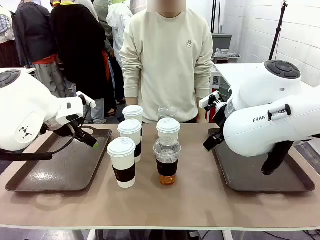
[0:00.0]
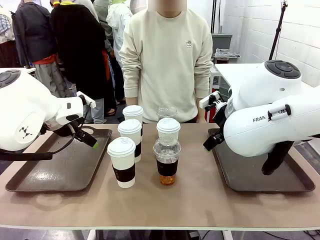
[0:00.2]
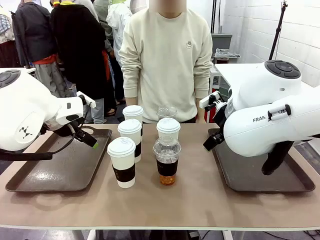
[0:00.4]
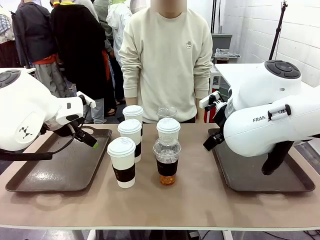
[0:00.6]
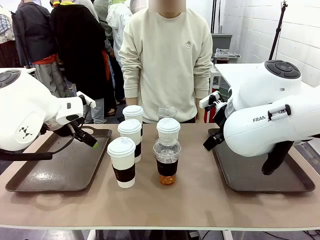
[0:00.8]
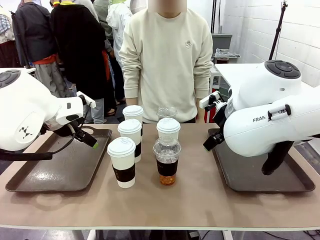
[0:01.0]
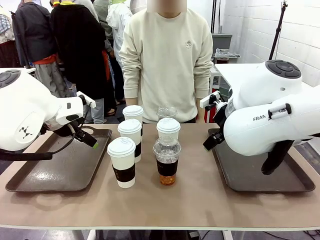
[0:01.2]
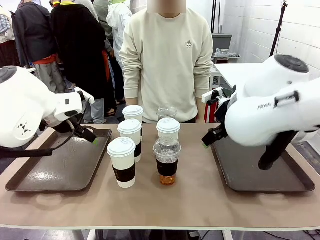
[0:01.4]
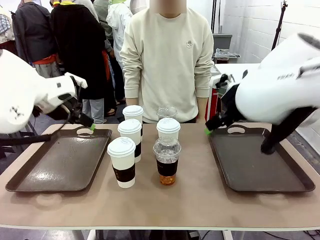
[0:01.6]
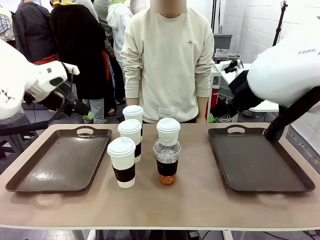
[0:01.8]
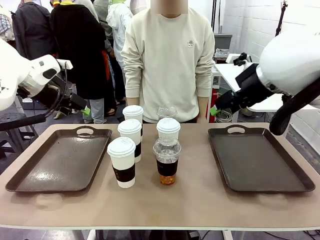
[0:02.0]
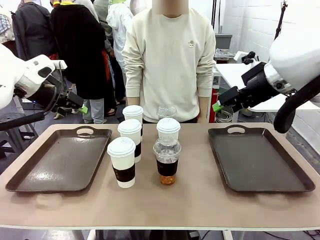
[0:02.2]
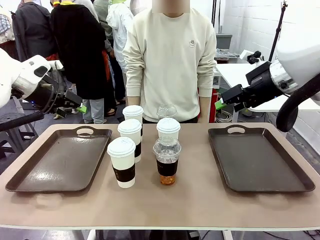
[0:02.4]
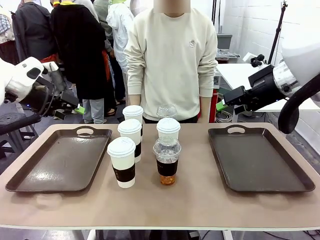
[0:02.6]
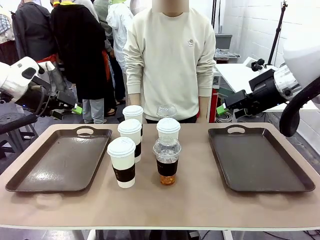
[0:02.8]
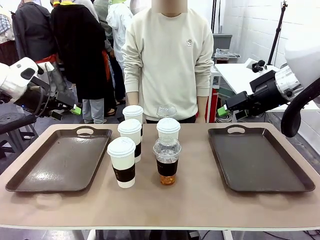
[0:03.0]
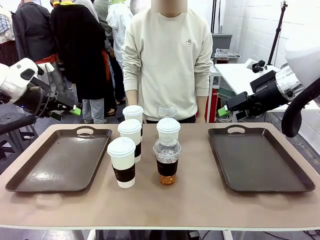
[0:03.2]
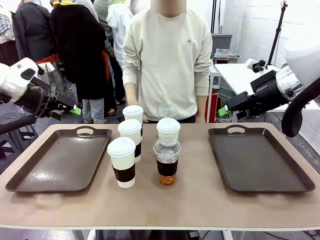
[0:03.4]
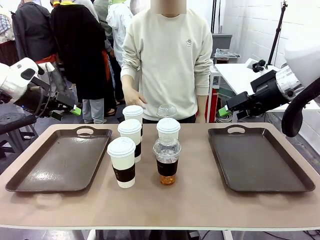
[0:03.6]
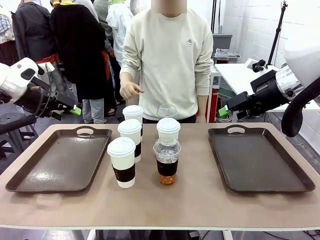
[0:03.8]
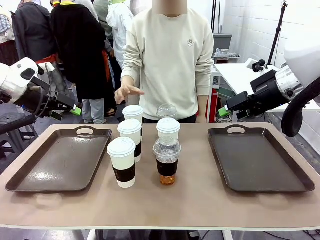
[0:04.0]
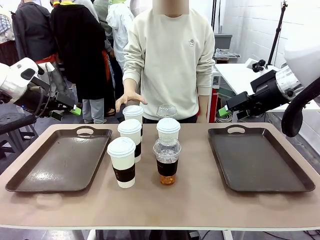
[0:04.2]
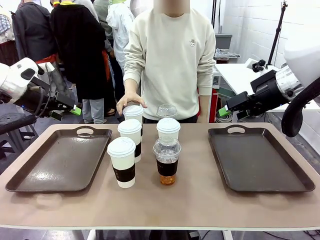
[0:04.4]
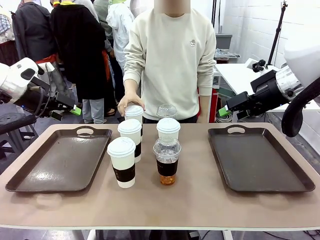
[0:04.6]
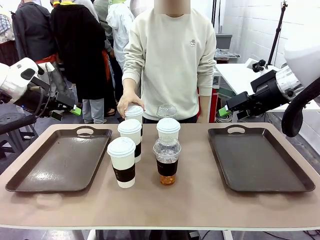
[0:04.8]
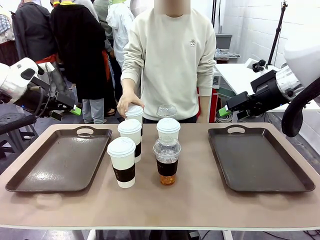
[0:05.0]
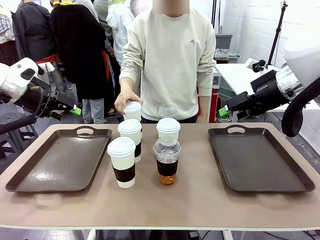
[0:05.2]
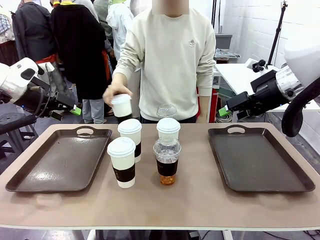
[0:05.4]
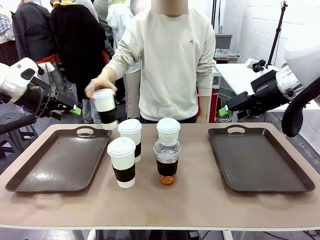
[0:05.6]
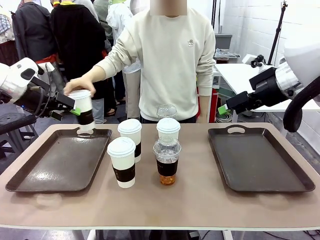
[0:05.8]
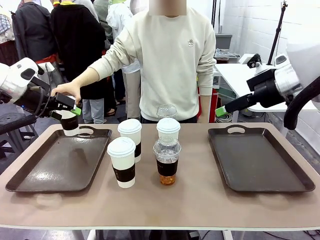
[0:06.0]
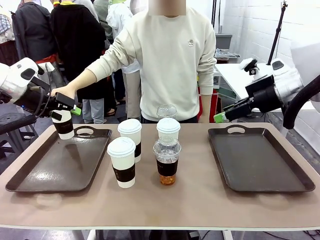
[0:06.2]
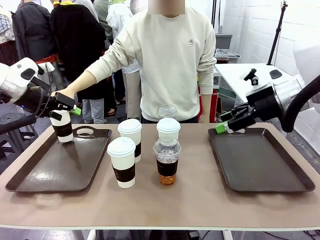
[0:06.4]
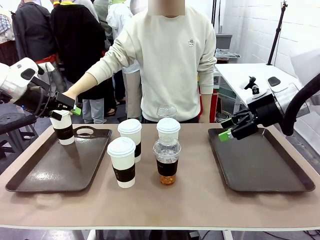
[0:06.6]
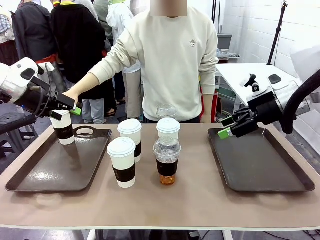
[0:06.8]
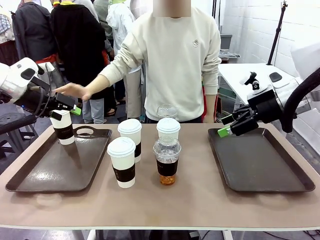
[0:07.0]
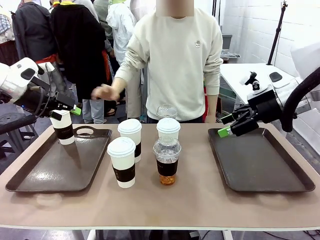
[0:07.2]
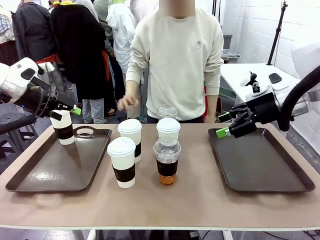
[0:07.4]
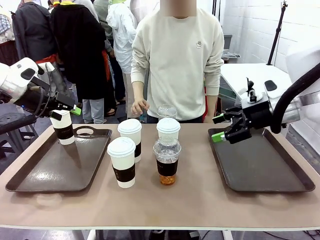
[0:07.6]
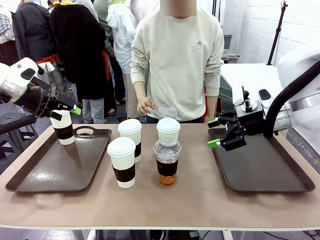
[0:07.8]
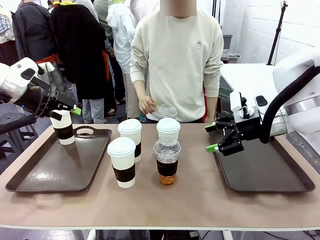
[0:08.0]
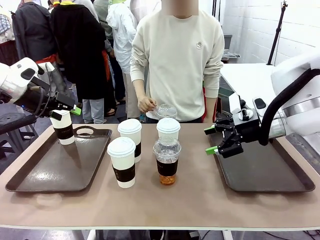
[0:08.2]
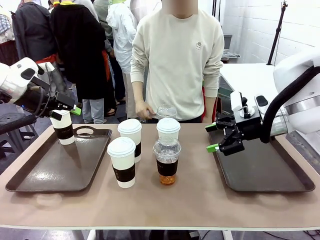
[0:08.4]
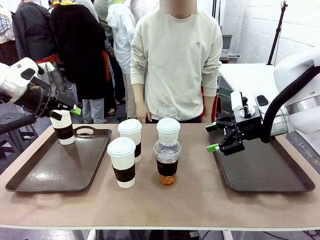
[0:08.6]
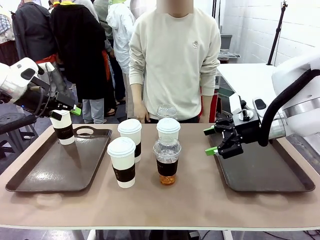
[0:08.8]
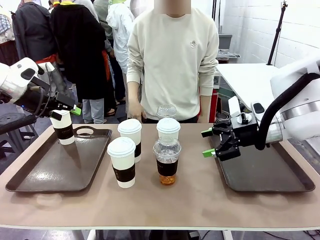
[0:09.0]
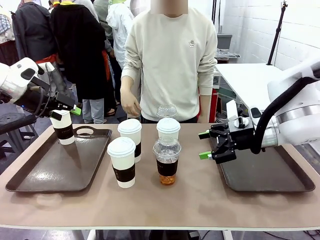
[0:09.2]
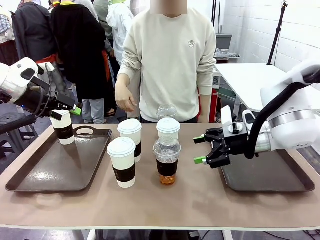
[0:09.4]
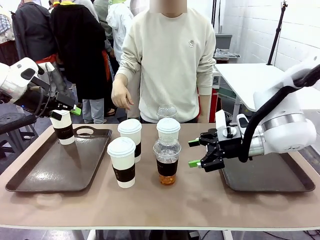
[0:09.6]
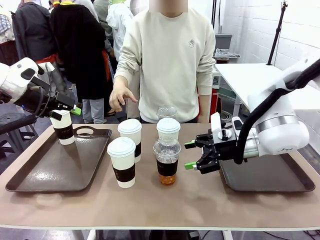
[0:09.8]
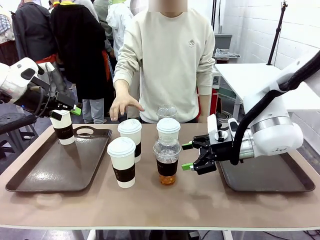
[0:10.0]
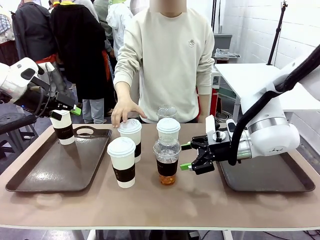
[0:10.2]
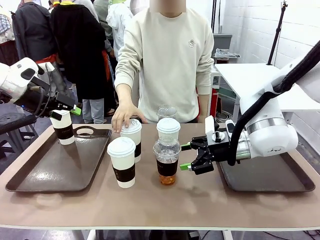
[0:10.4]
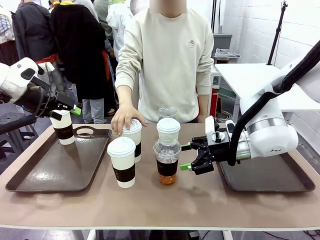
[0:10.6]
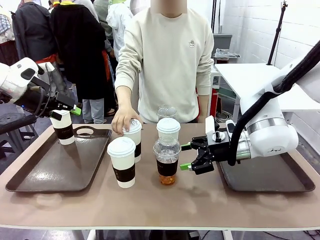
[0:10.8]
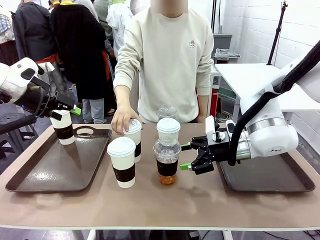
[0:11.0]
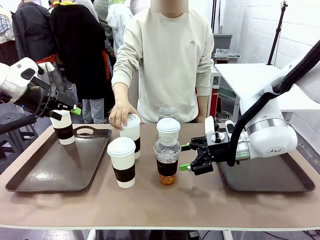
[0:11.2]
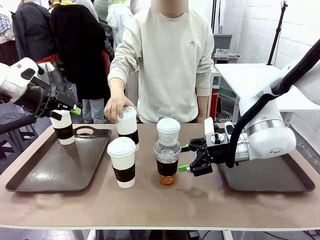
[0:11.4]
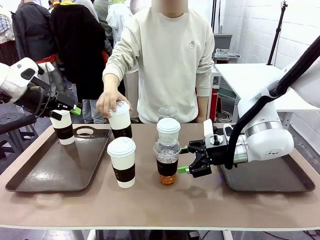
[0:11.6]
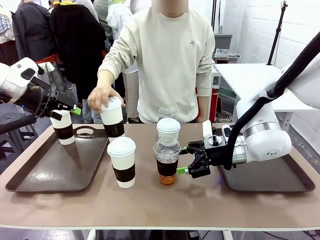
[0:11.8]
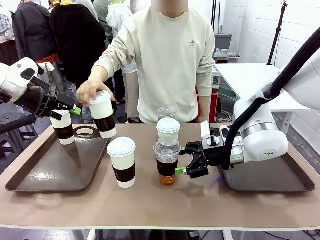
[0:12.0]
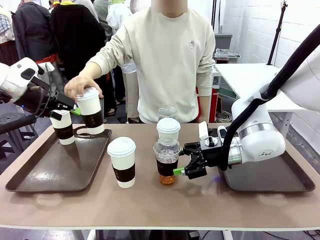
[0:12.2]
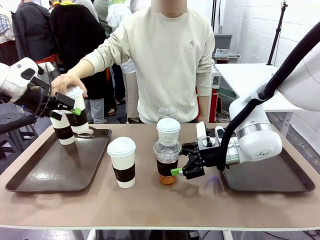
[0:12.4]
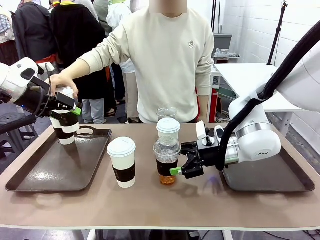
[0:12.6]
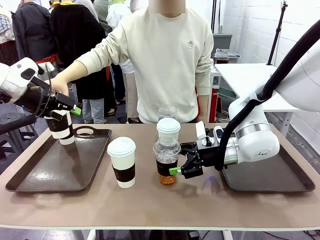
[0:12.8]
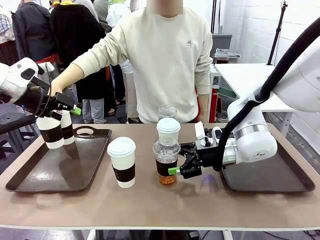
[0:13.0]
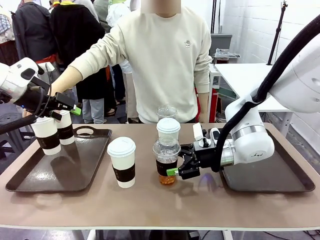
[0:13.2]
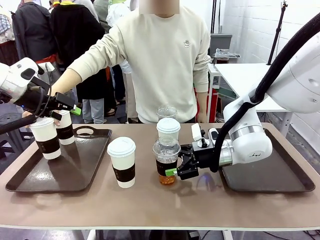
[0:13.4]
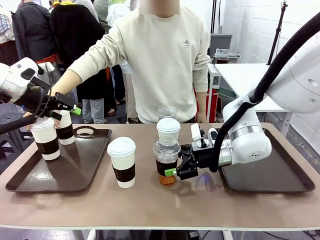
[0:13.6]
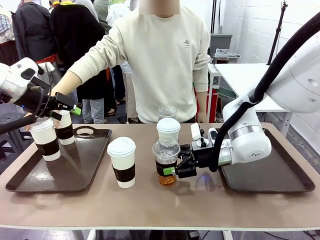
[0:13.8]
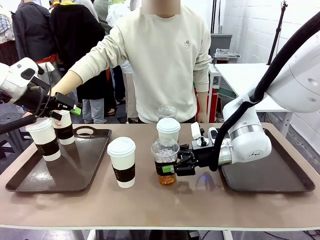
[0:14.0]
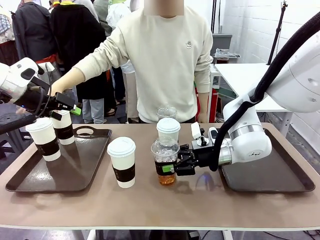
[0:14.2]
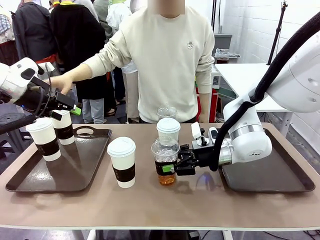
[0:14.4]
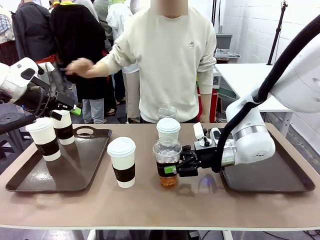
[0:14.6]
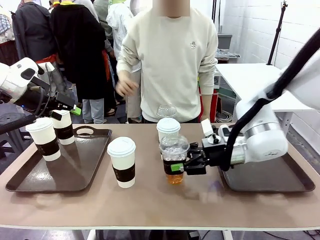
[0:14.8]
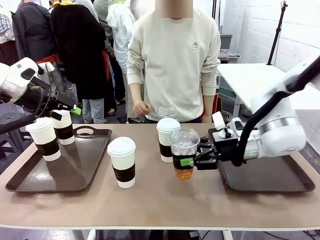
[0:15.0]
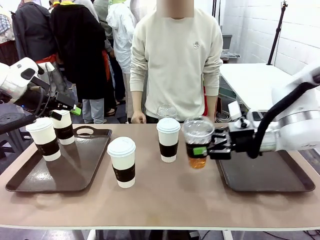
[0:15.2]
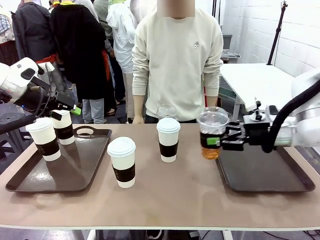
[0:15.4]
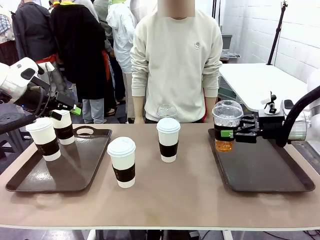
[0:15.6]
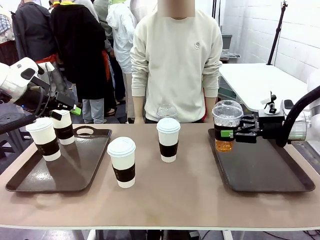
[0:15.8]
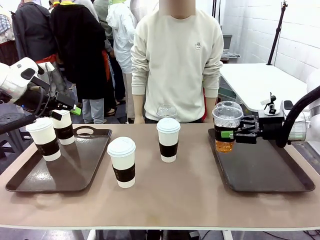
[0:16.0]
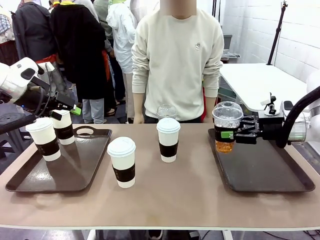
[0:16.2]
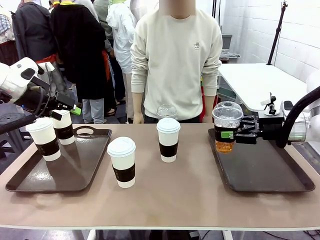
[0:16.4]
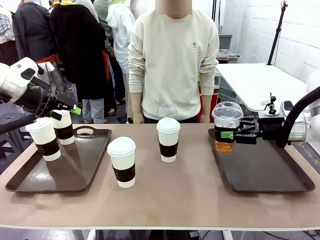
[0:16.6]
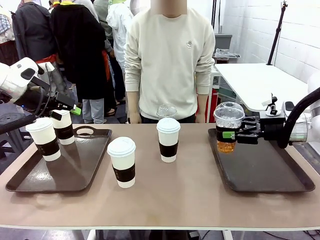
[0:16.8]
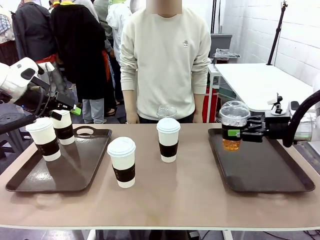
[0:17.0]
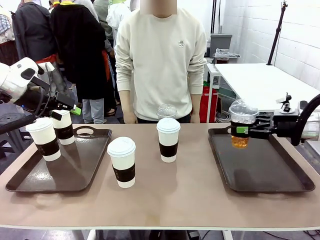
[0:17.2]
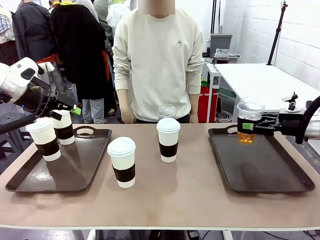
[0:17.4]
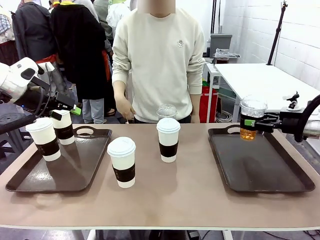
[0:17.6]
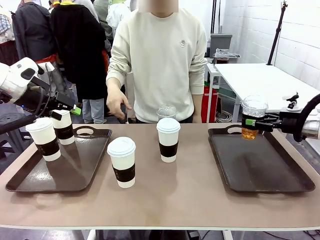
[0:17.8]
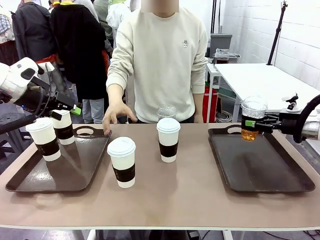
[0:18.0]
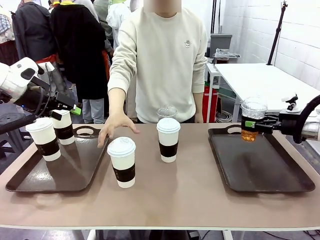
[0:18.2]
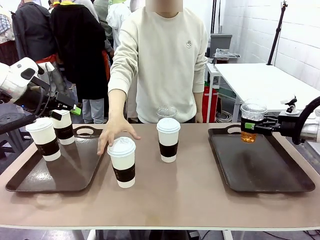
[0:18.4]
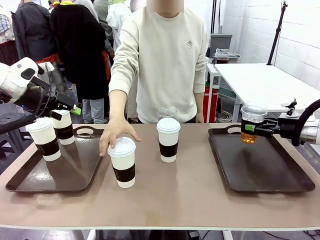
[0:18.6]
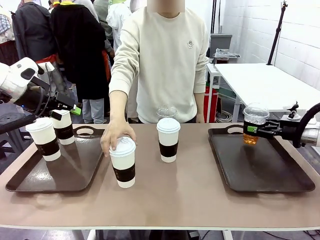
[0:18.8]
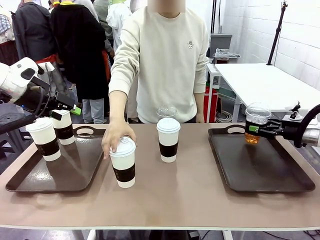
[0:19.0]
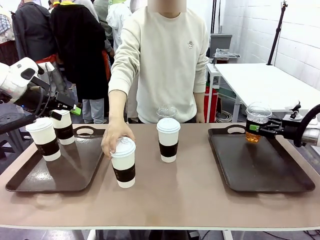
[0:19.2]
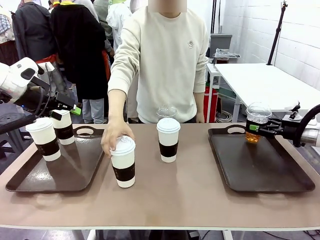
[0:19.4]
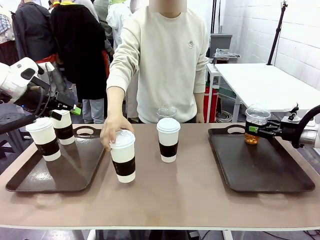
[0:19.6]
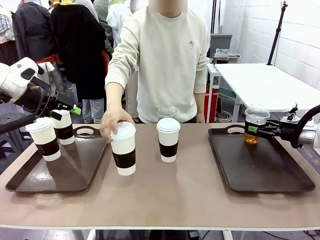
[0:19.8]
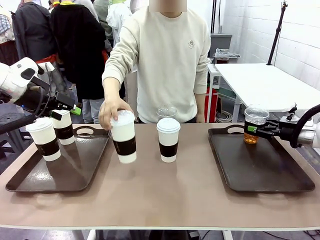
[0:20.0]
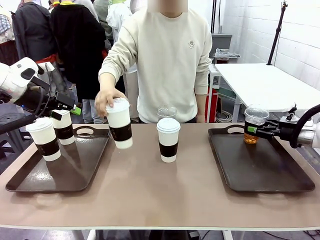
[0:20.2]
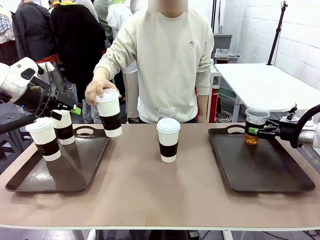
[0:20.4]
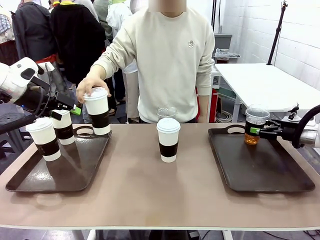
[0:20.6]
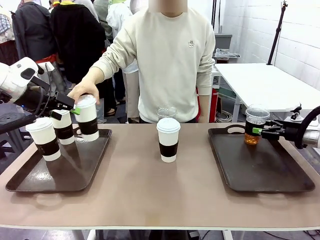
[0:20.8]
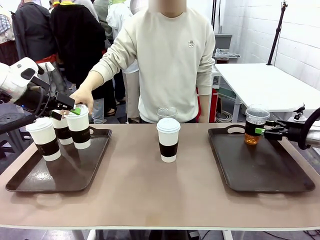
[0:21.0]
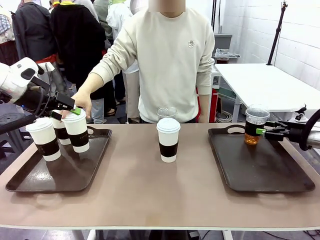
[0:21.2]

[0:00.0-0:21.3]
Task: Distribute the coffee onto the tray.
Robot: Pick up one iced Americano and place it on the right Handle tray.
Person: Pick up a cup of hot Americano and place it on the right tray.
